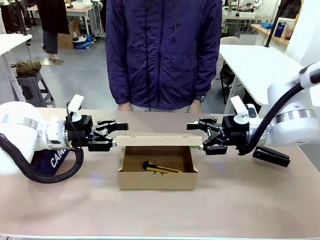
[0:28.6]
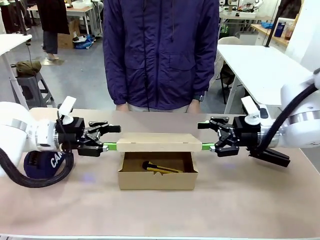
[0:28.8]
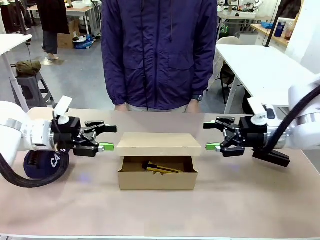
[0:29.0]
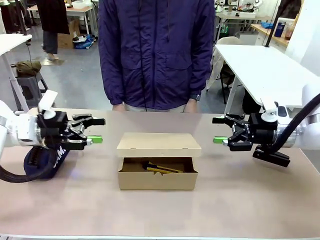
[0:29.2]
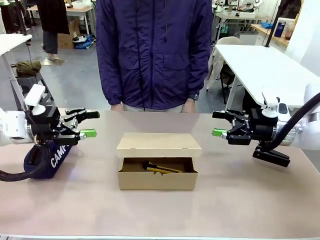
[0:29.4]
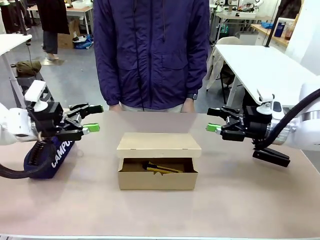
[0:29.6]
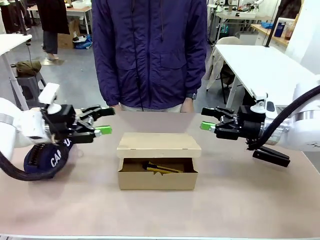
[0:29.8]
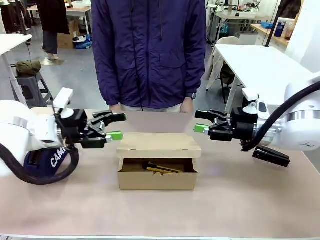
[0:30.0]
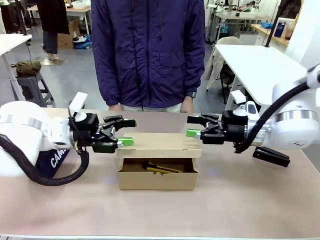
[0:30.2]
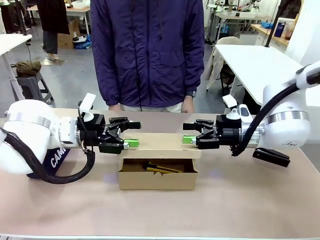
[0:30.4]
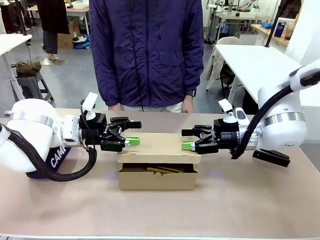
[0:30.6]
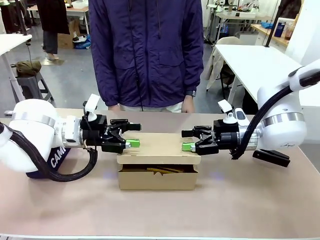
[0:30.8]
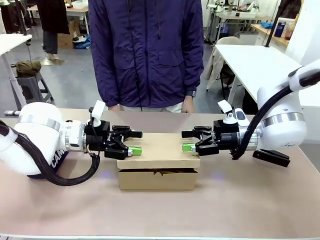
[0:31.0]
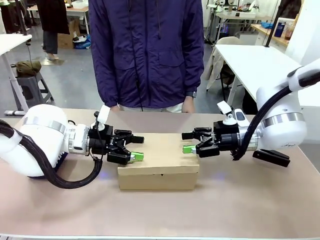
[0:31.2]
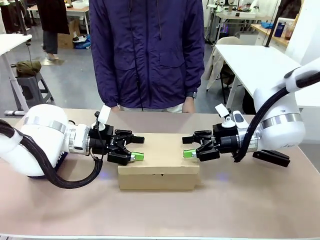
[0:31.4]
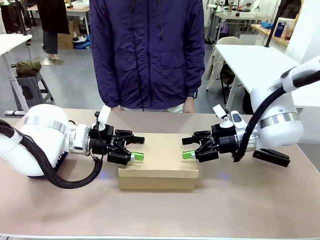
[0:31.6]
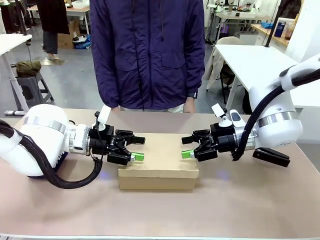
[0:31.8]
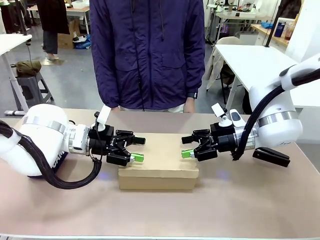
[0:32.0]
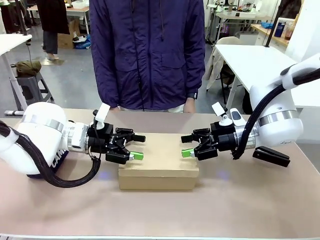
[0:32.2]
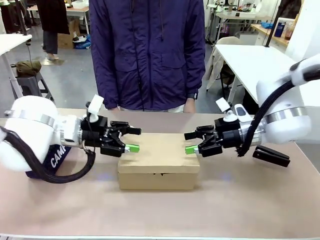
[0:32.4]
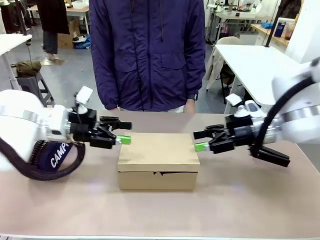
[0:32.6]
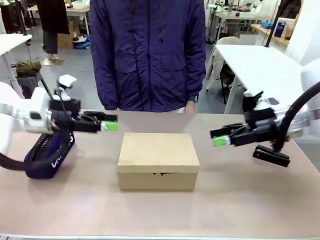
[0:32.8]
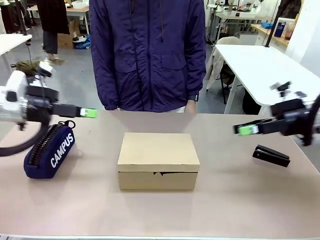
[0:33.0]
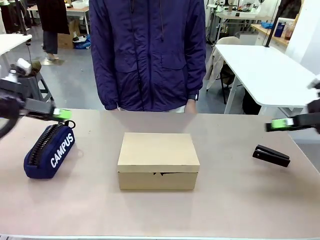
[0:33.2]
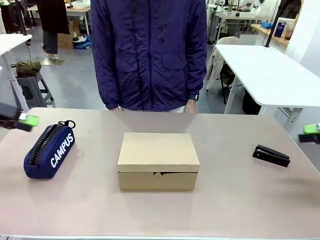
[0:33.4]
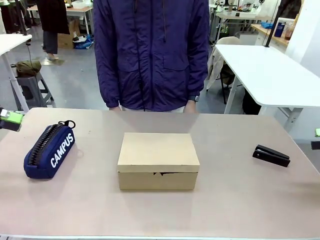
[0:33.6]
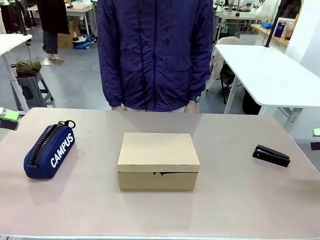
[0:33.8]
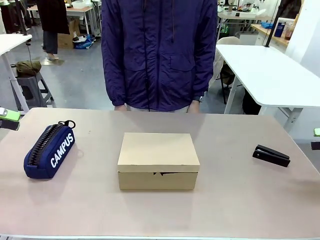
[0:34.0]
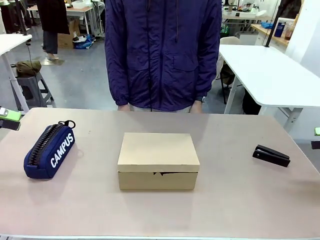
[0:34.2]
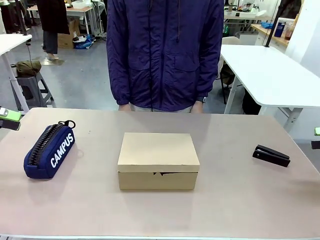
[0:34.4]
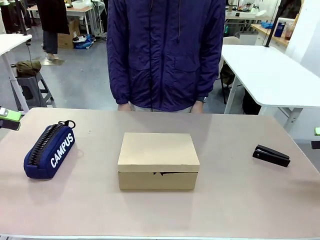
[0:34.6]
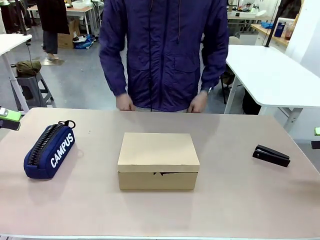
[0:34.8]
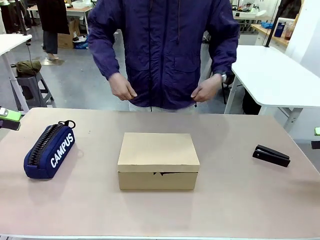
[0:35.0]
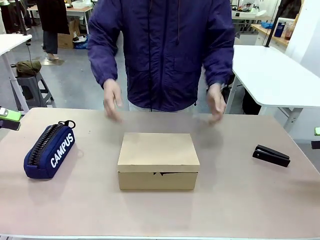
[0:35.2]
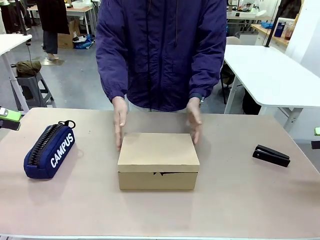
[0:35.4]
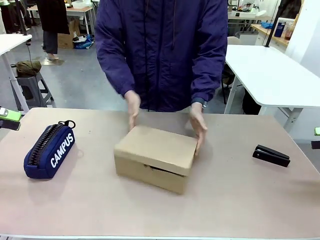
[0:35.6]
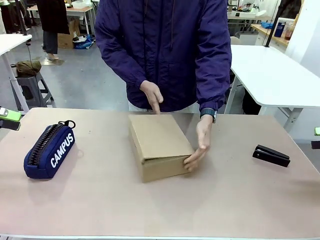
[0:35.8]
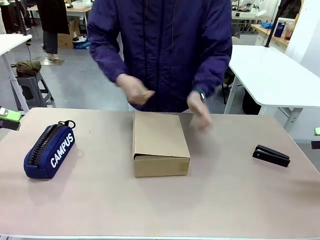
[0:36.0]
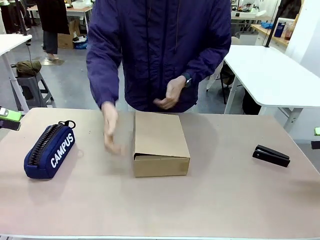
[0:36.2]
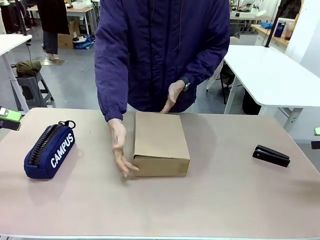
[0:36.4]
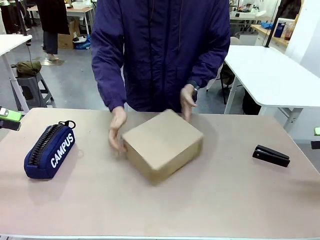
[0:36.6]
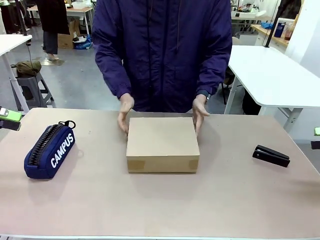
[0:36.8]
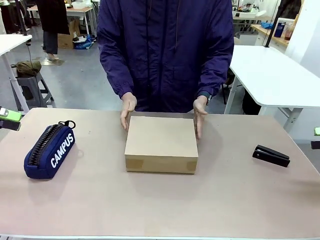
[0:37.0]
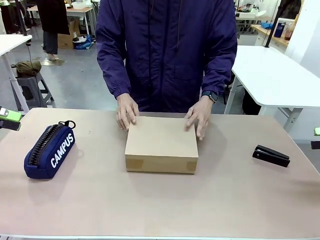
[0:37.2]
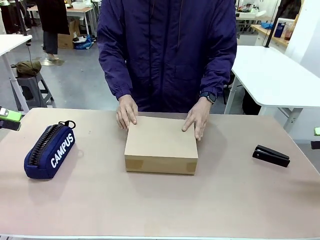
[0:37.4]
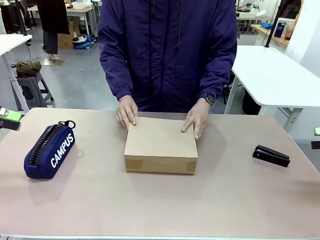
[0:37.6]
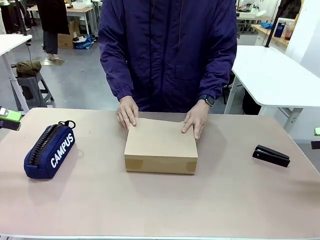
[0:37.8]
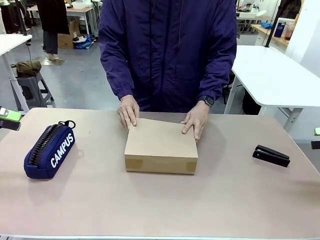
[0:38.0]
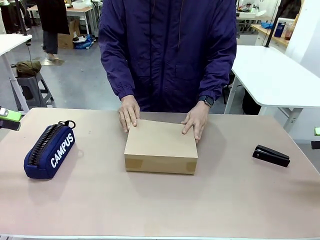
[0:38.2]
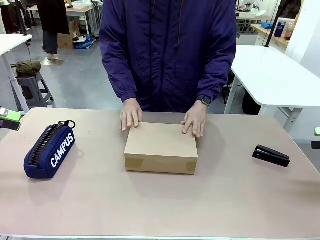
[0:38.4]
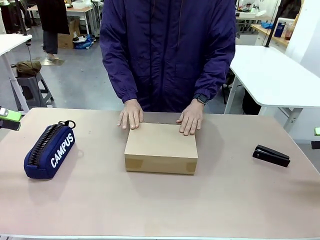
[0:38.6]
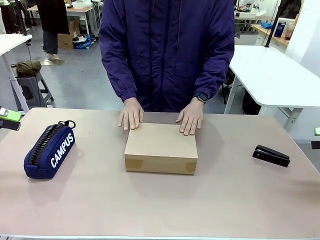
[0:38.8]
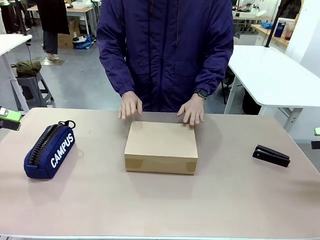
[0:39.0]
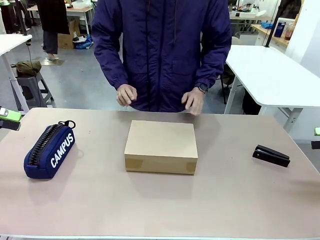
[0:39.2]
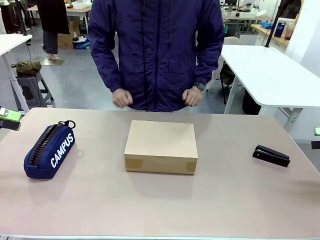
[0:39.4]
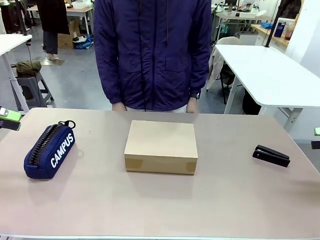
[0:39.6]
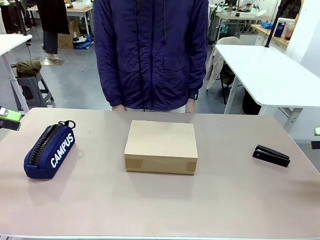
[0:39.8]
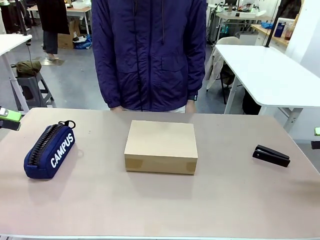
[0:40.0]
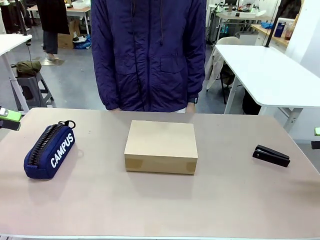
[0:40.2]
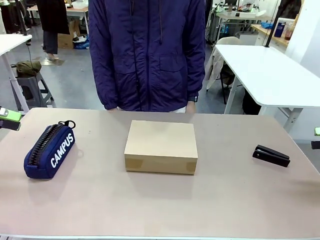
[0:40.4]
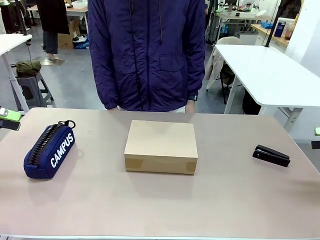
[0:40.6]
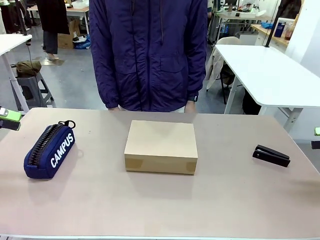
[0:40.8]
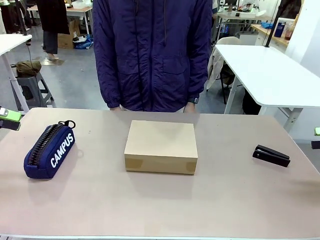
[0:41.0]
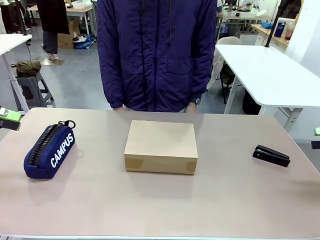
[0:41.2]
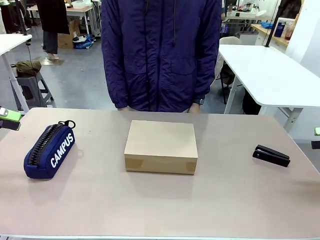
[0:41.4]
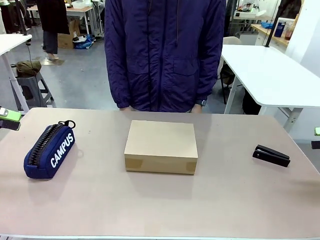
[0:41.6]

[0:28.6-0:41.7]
Task: Pack the item into the box.
Robot: Close the Mailer Box.
Person: Turn the box and lock it.

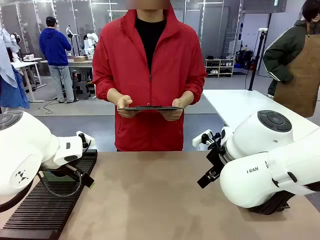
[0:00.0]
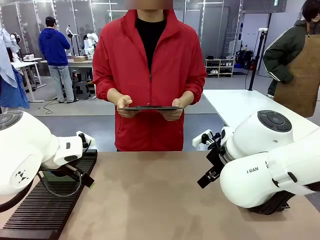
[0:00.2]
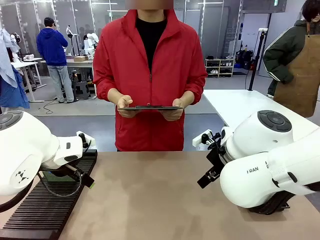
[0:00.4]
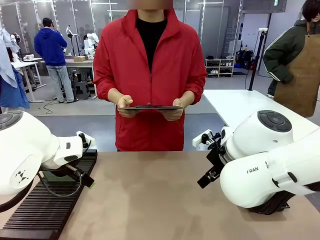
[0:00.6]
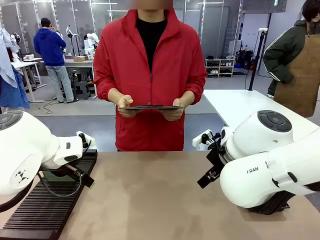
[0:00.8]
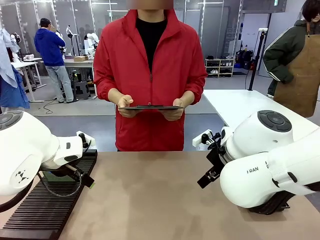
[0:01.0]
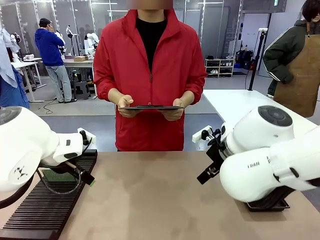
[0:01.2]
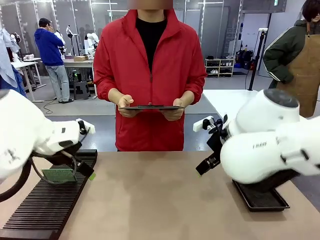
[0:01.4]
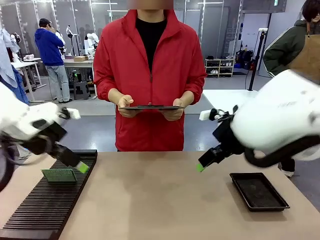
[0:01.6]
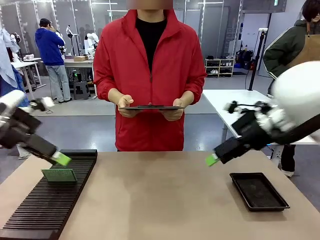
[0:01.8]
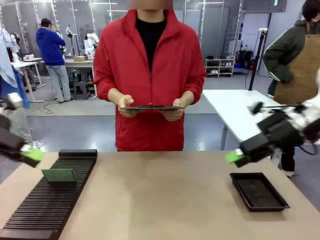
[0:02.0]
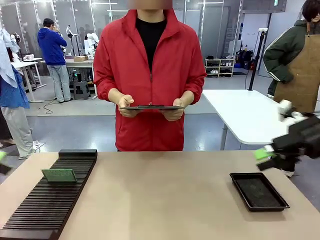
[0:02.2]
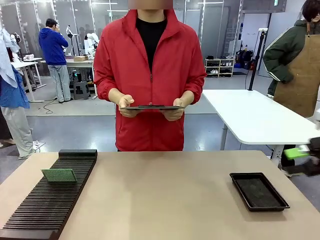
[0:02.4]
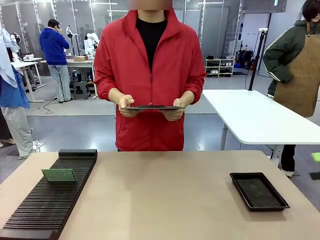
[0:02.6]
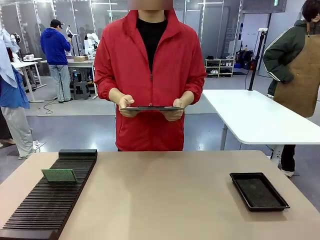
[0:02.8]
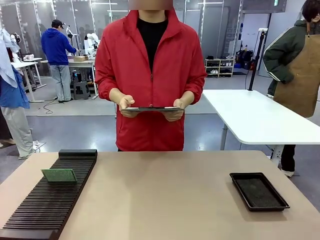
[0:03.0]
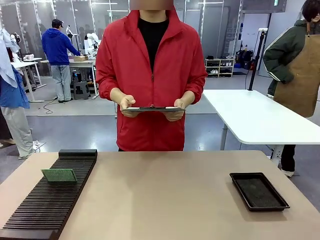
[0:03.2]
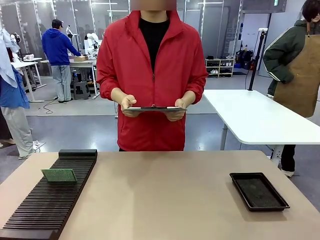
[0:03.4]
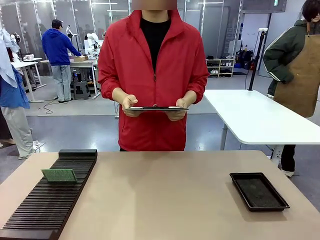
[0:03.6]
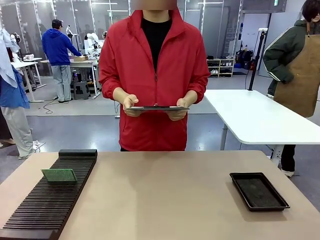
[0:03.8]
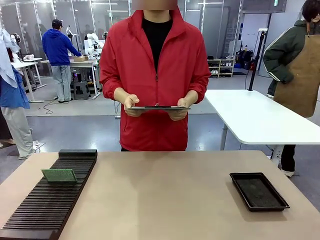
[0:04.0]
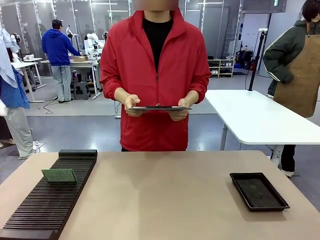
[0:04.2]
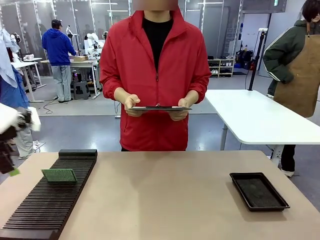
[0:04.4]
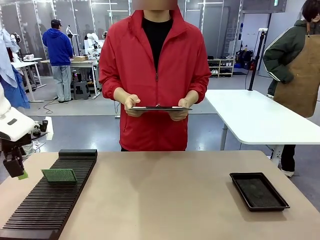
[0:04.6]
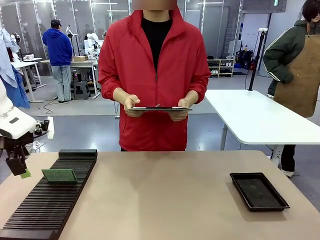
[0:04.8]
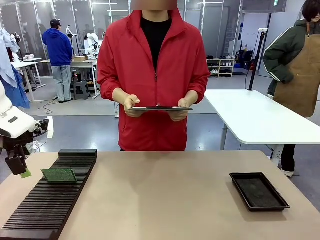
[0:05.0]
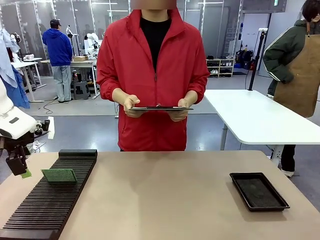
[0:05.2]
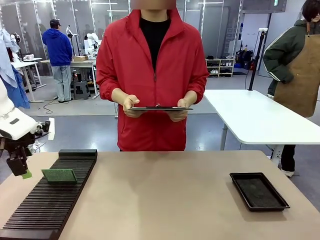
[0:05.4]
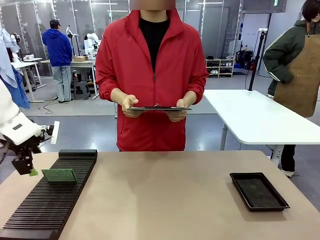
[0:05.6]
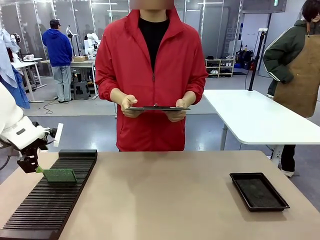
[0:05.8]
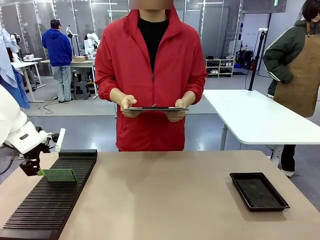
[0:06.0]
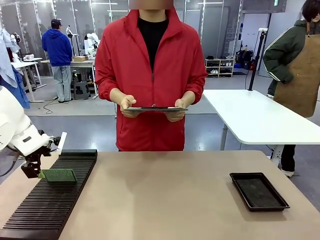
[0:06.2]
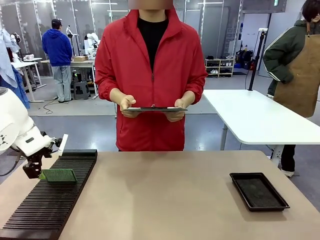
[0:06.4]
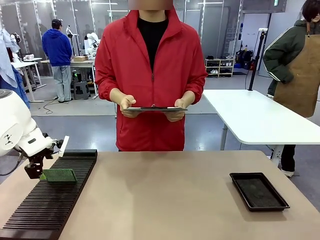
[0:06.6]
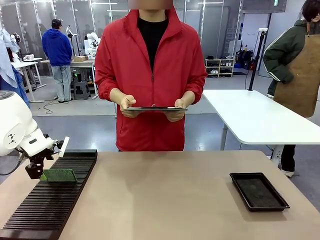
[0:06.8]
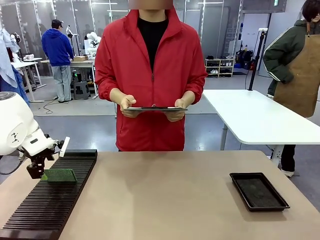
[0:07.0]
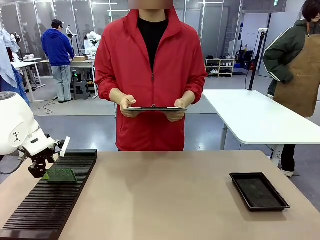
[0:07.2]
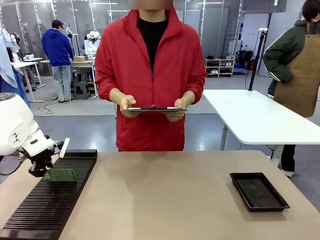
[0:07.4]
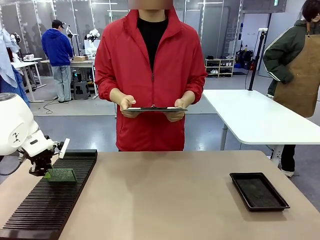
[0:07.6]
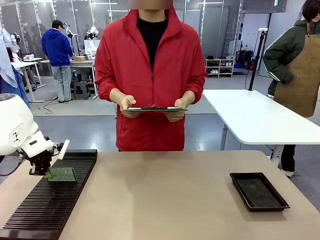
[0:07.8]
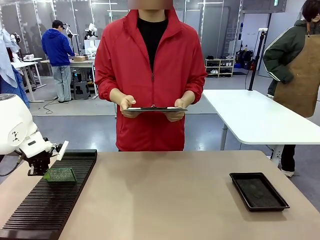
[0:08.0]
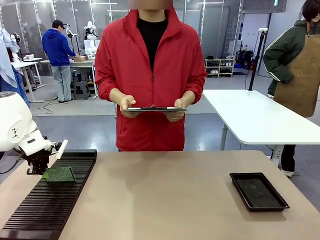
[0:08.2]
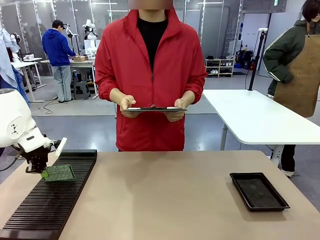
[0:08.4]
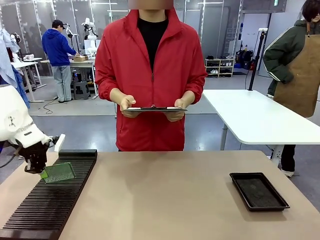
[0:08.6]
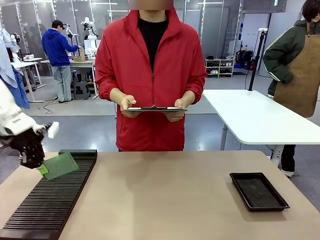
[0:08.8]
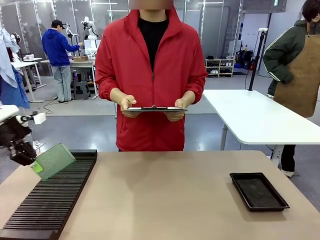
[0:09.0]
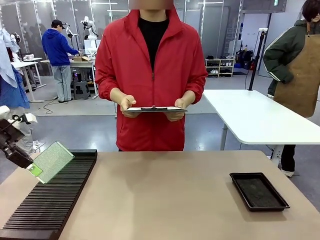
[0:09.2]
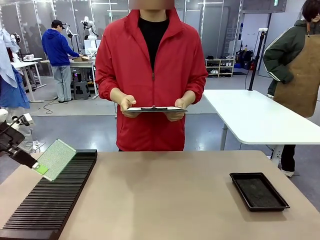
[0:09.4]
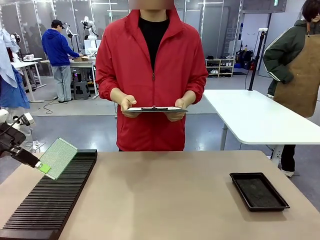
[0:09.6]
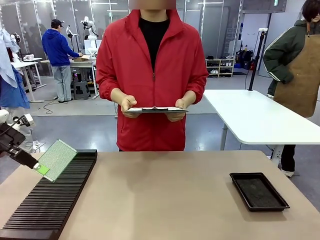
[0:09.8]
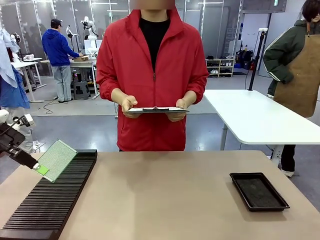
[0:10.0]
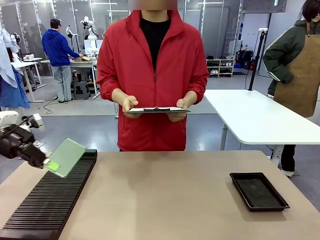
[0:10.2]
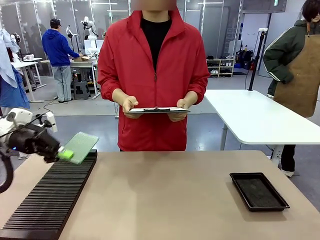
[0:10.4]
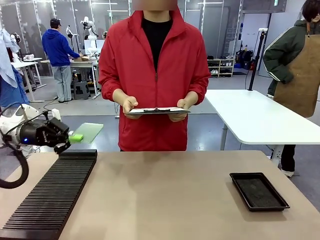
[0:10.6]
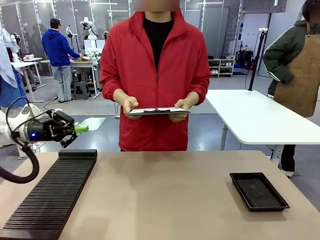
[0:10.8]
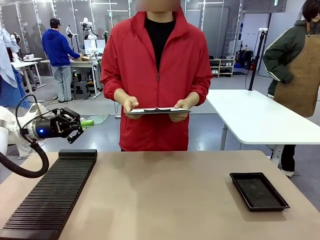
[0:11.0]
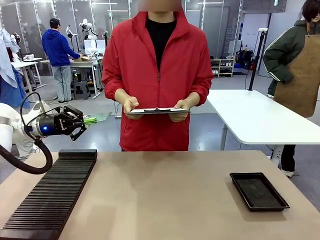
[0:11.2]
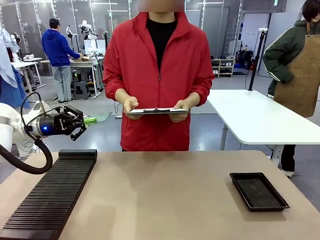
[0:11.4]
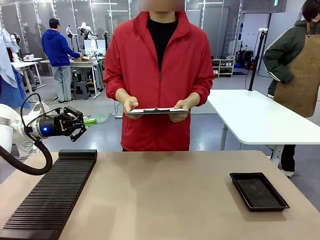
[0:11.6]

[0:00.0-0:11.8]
Task: Inspect the PCB.
Robot: Pick up the Blank PCB and present it to the human.
Person: Pick up the PCB presented by the robot.
